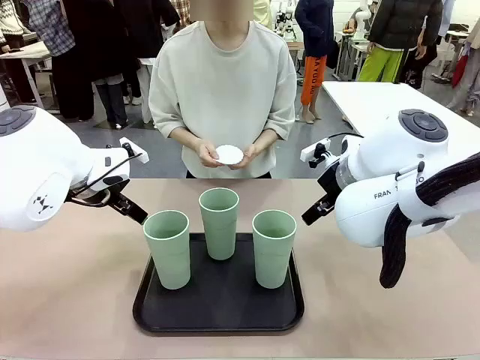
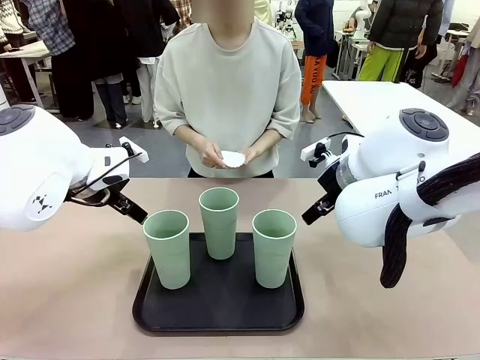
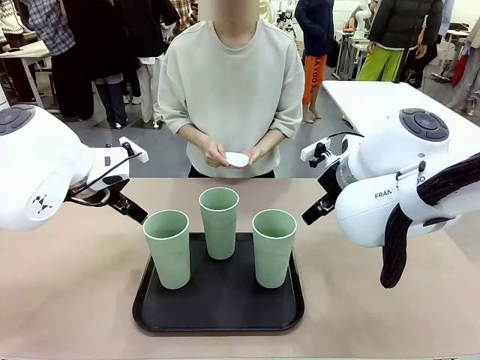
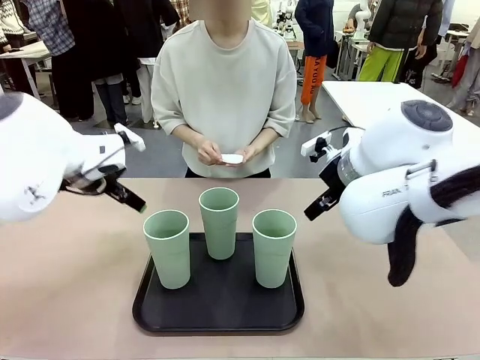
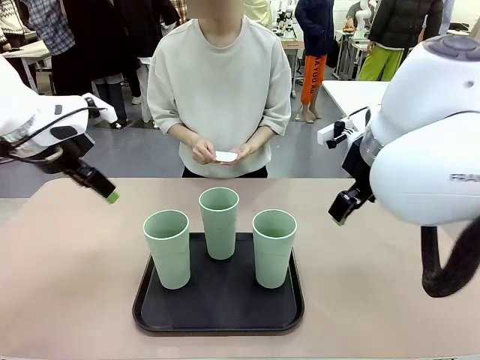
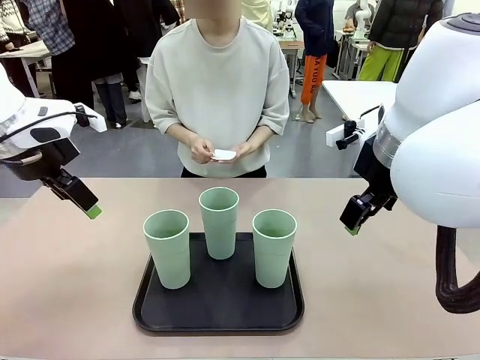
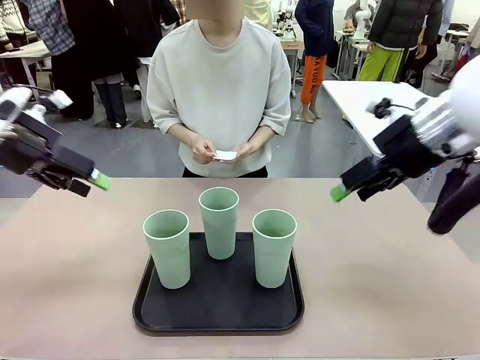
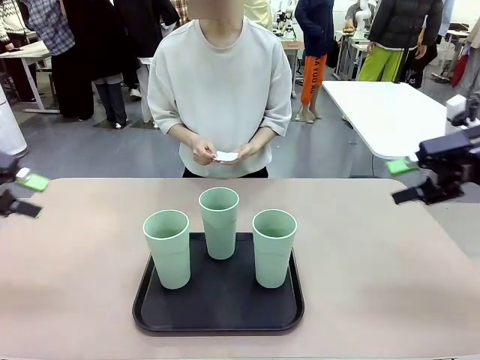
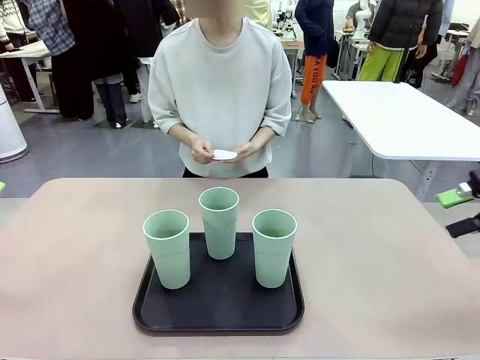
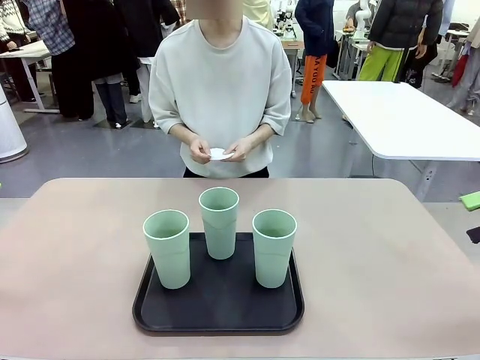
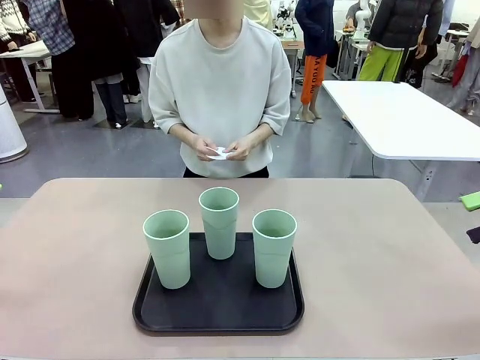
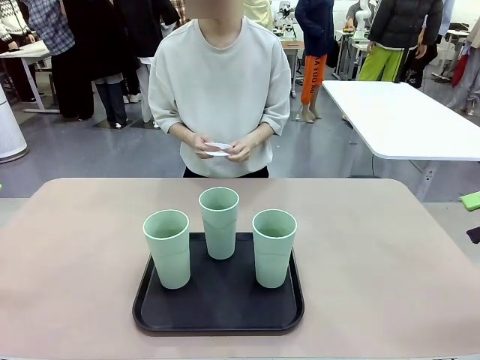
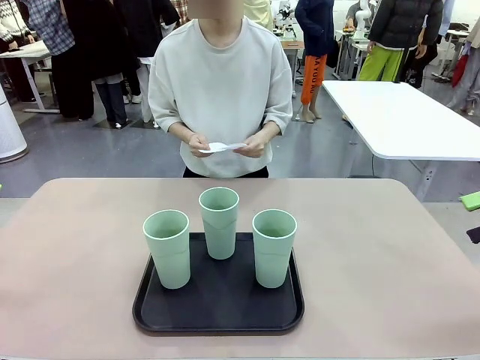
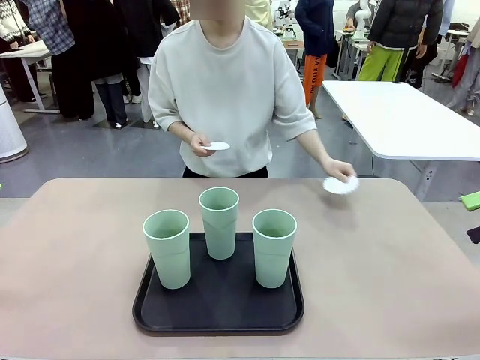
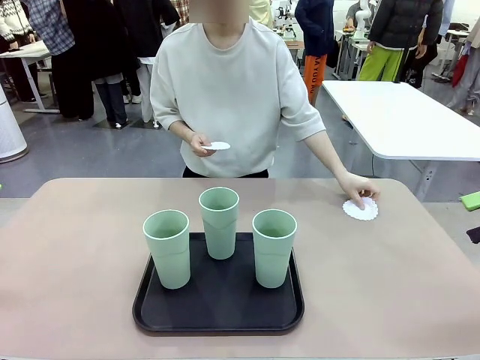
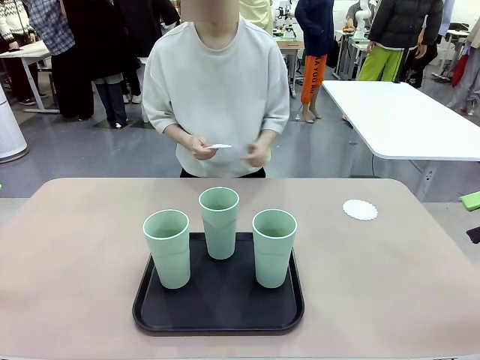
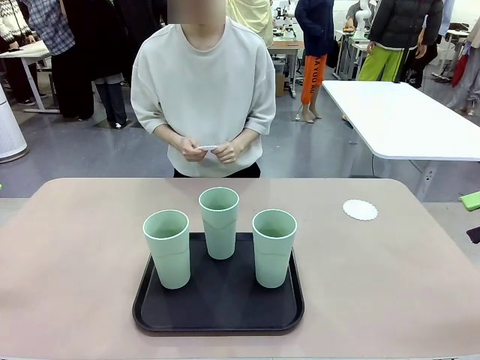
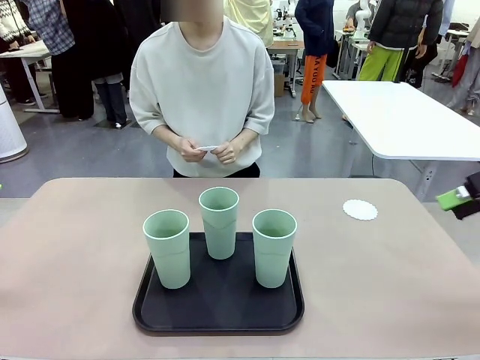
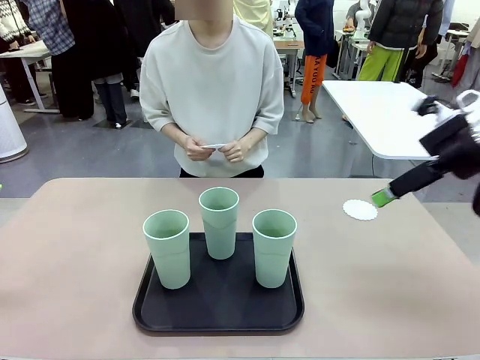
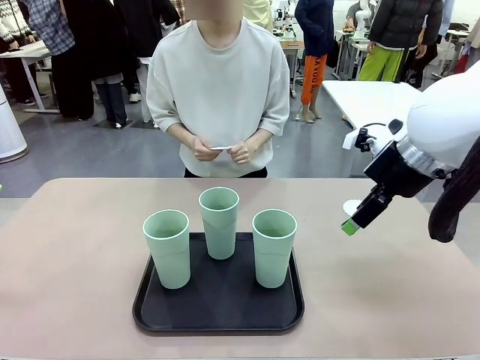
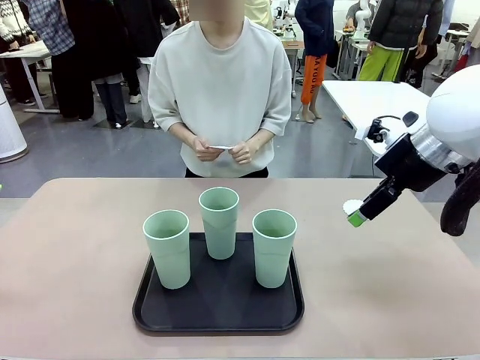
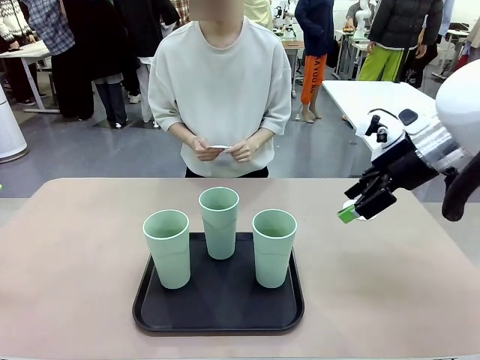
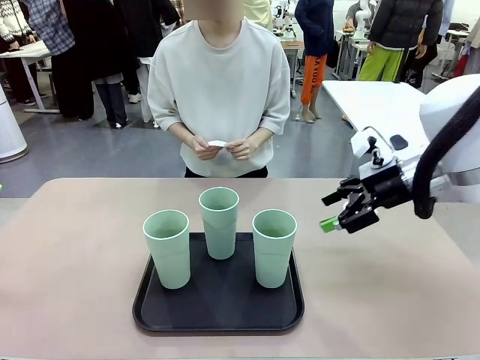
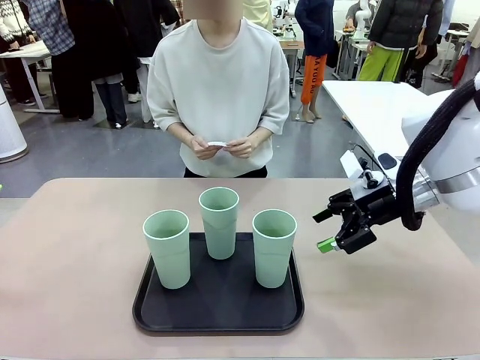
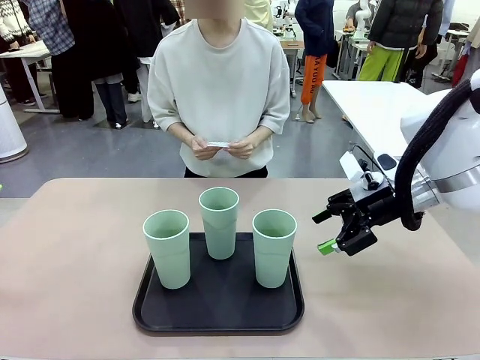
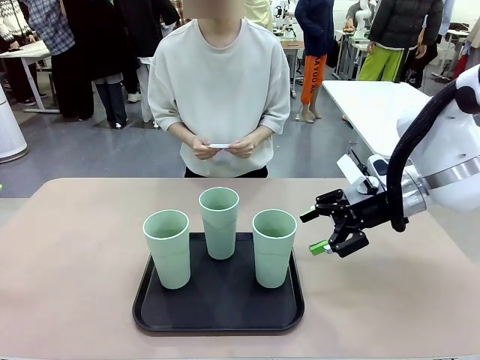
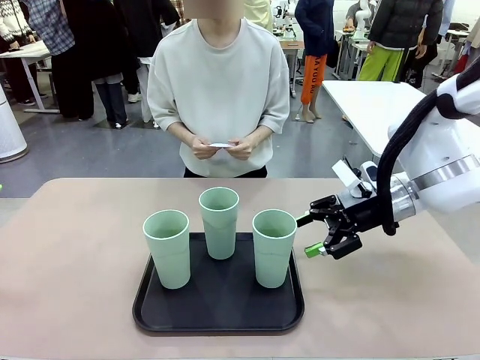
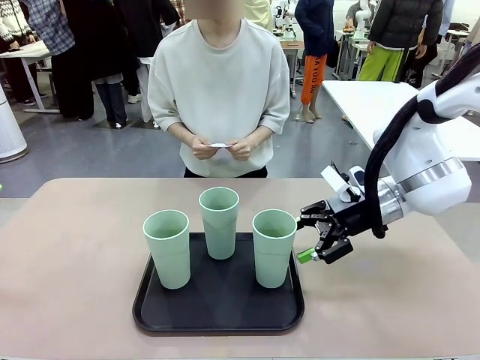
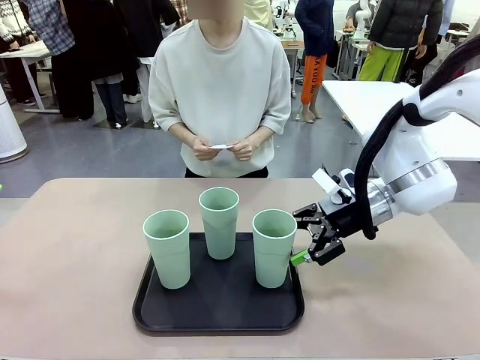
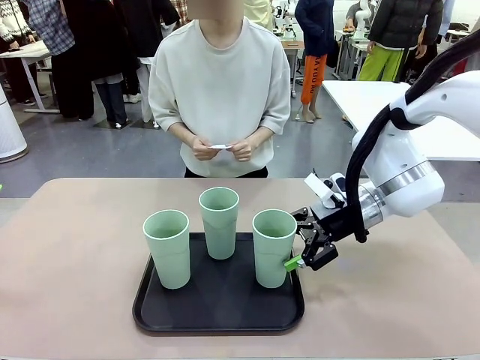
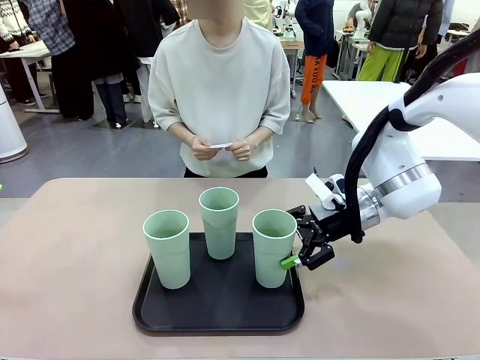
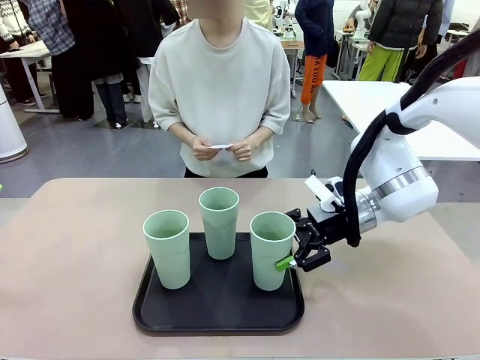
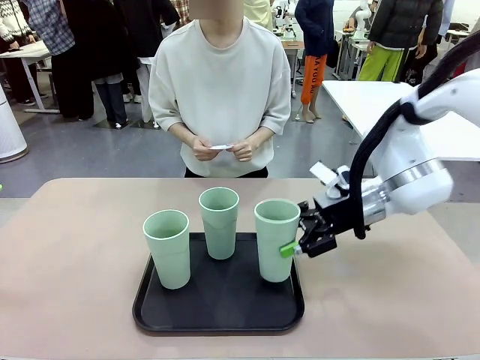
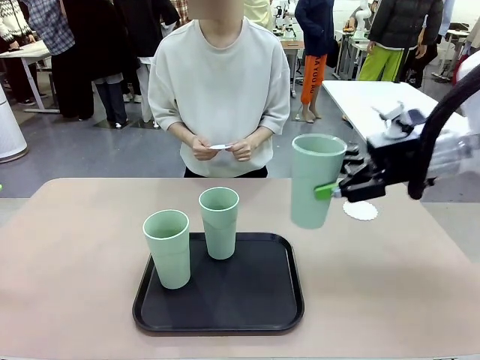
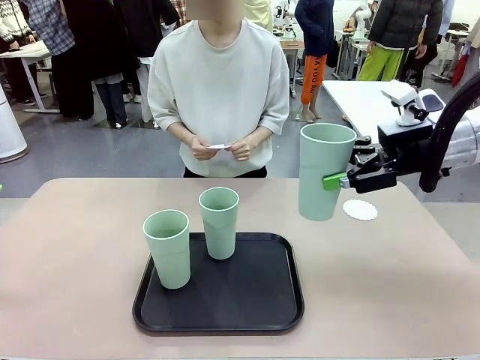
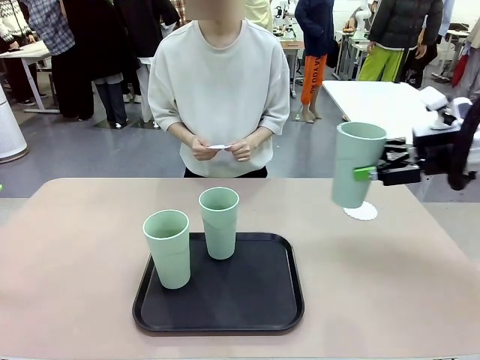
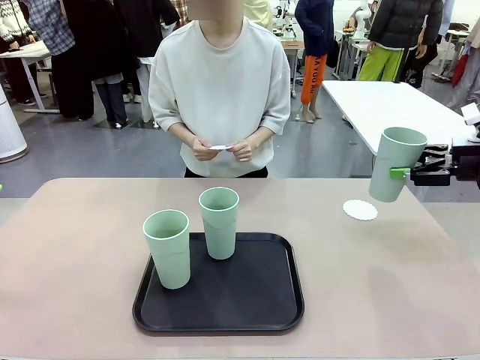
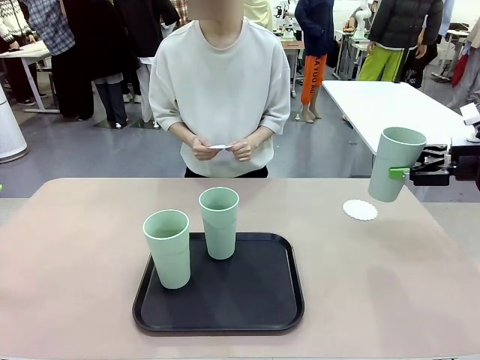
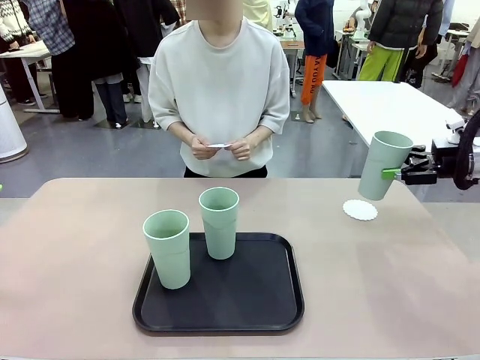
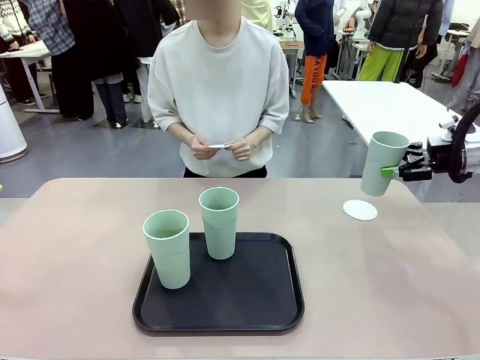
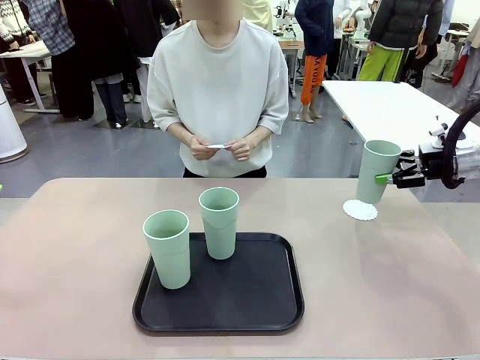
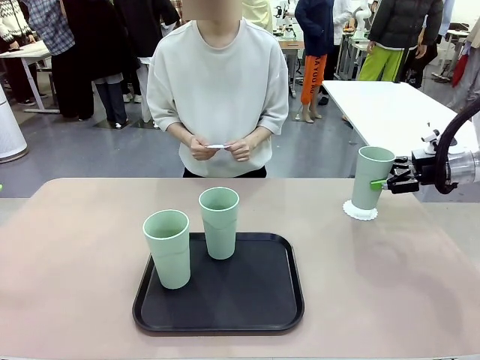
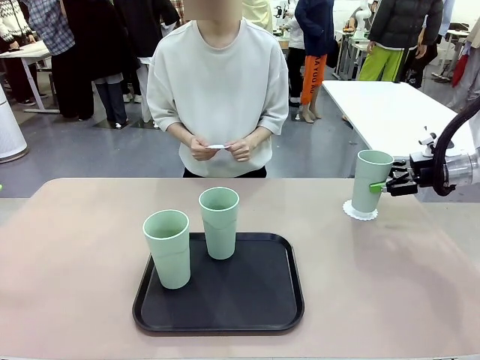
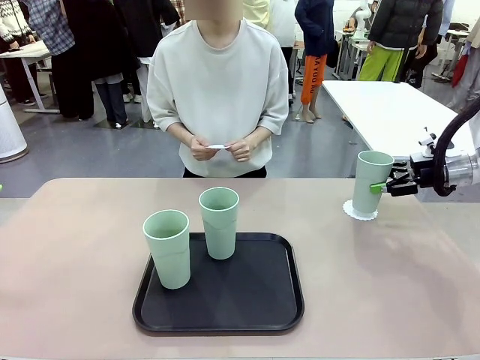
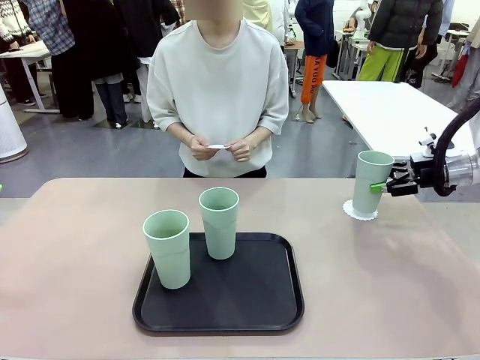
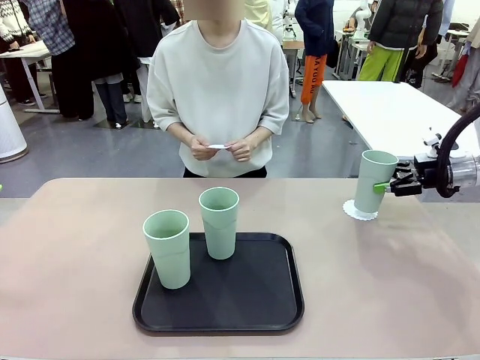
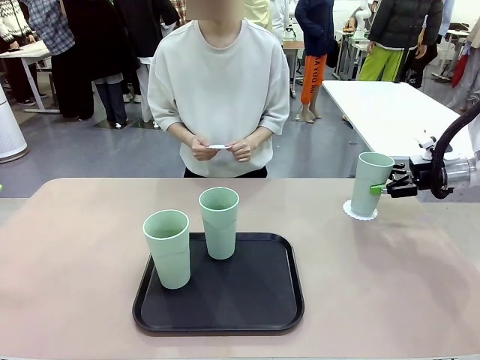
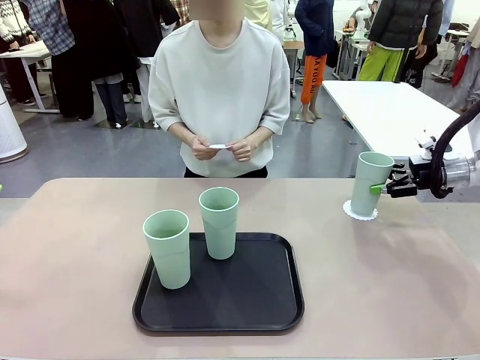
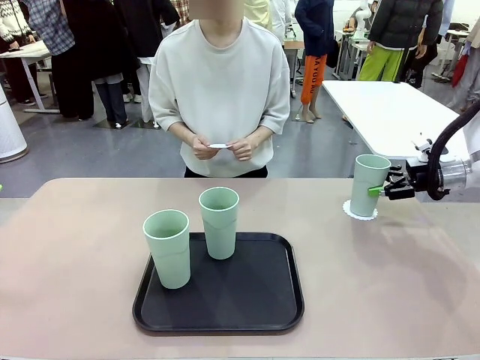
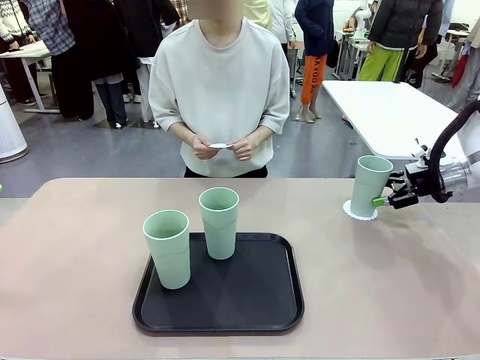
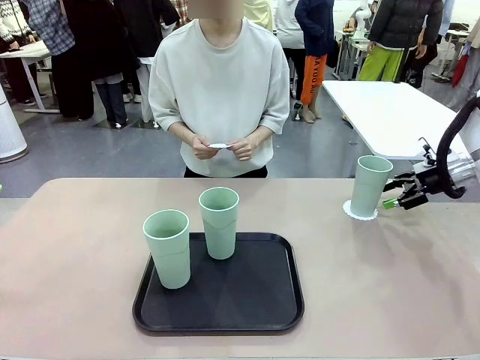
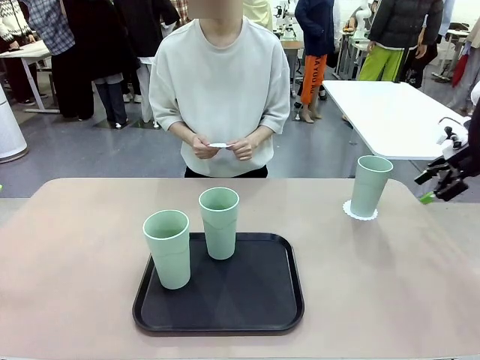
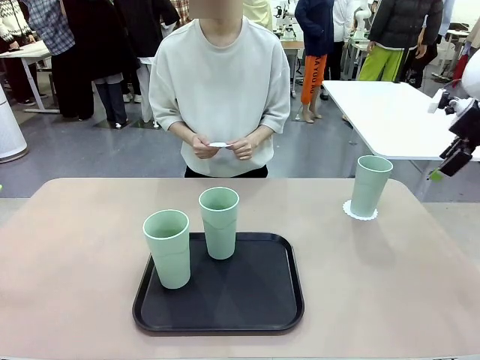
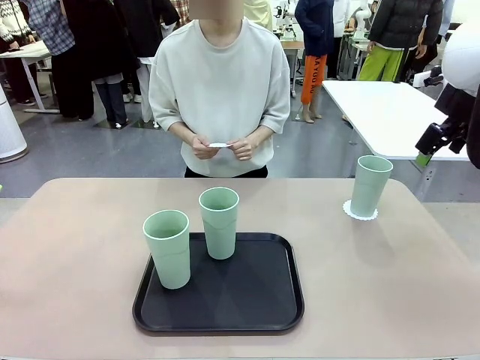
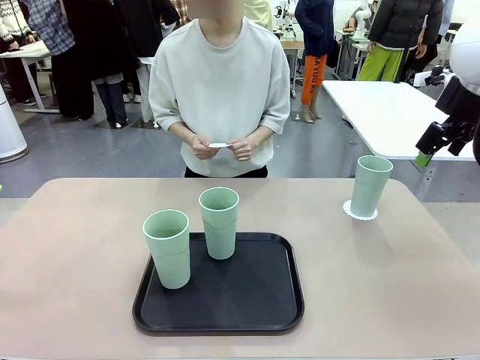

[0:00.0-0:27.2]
Task: Place coasters on the table and set cups on them.
Robot: Pick up one Reusable plastic cup and place it on a coaster set by the human.
Person: Place one coaster in any one of the three lower areas of the robot table (left, center, or right). Place one coaster in one of the two areas excluding the previously selected area.
